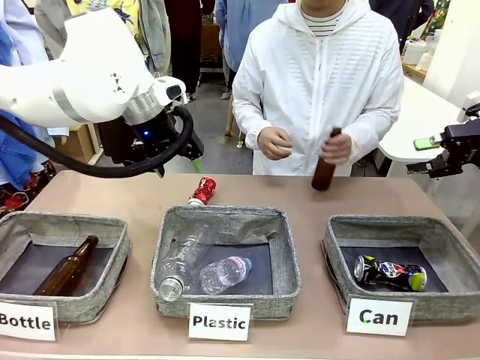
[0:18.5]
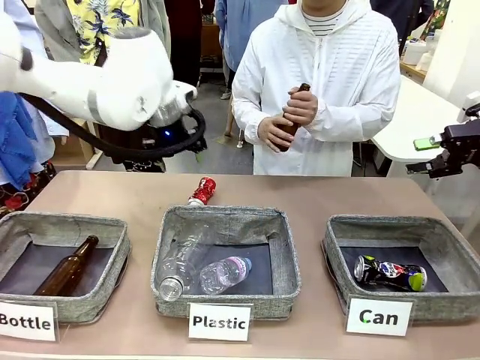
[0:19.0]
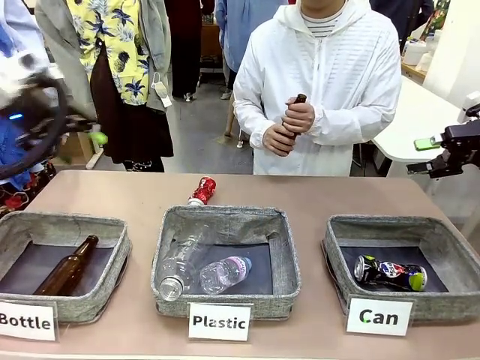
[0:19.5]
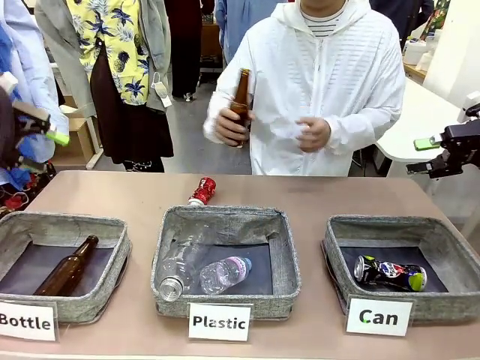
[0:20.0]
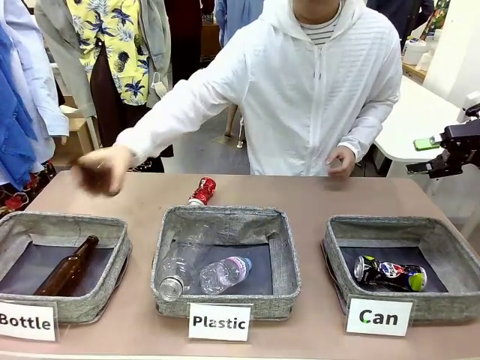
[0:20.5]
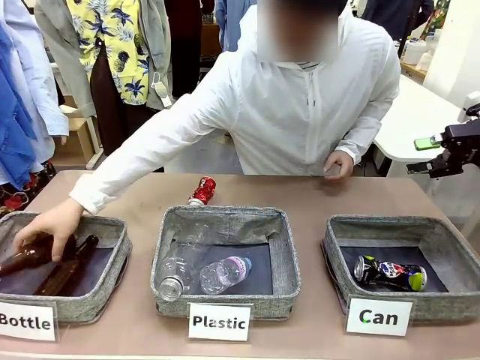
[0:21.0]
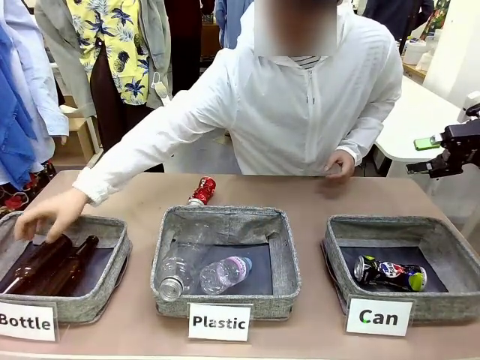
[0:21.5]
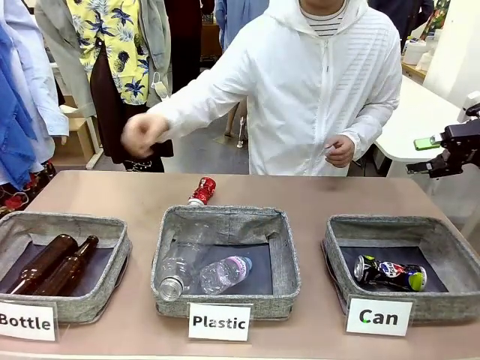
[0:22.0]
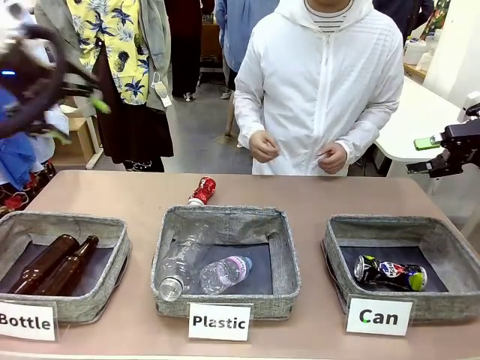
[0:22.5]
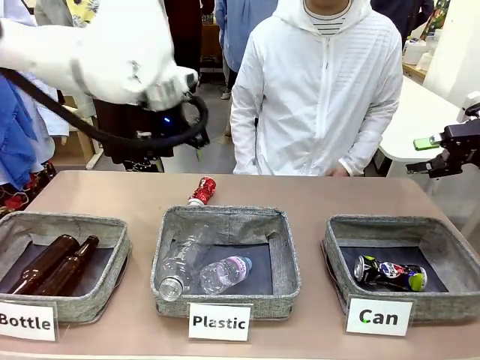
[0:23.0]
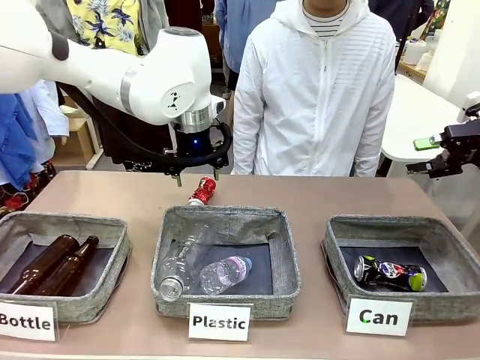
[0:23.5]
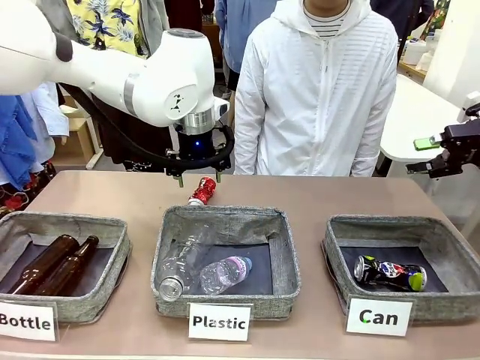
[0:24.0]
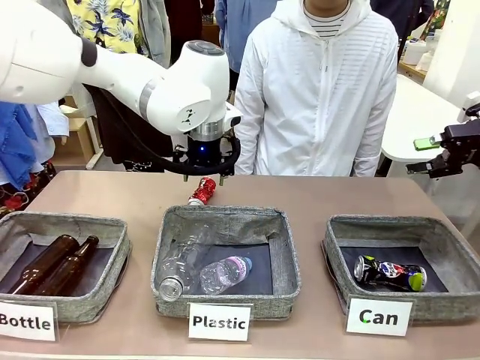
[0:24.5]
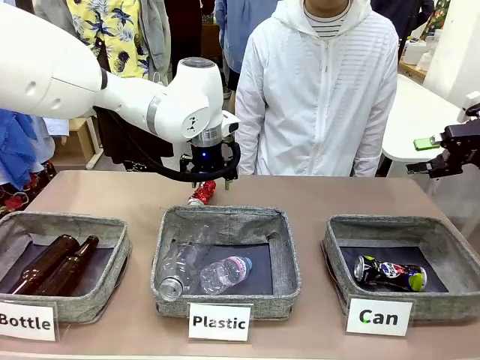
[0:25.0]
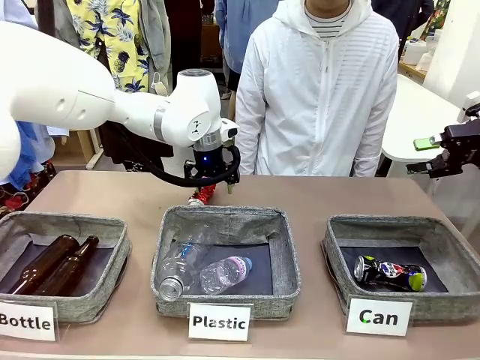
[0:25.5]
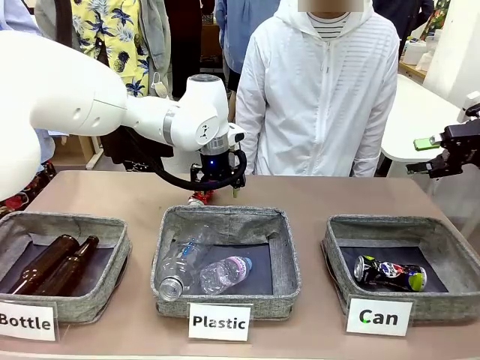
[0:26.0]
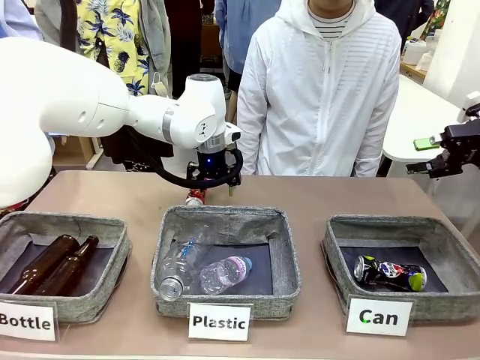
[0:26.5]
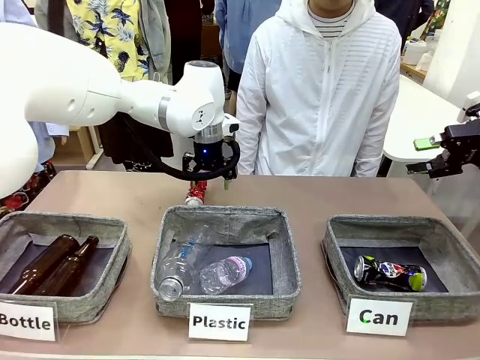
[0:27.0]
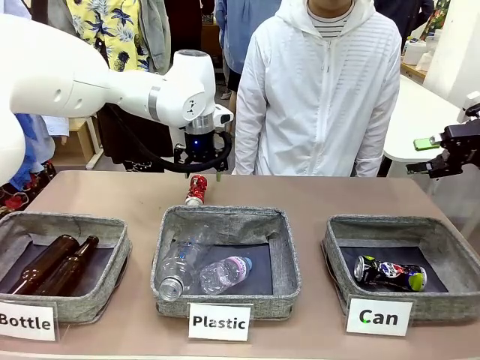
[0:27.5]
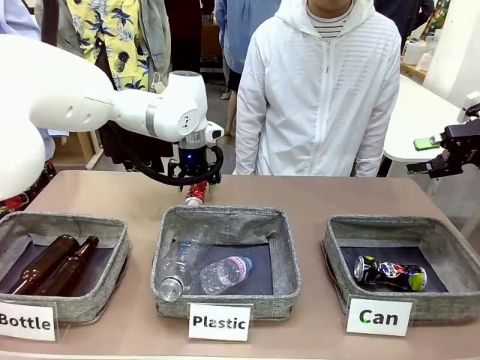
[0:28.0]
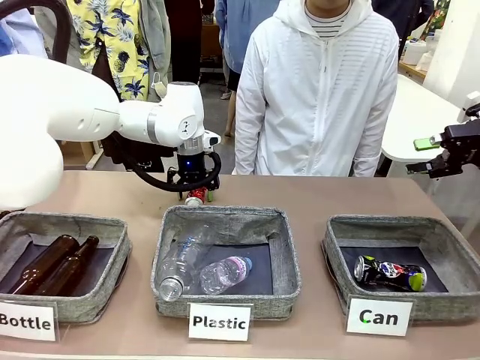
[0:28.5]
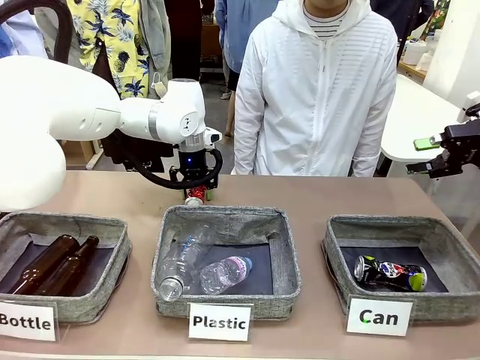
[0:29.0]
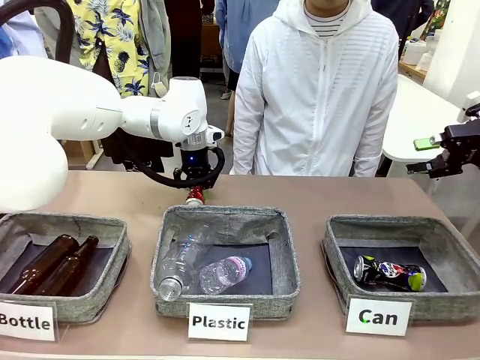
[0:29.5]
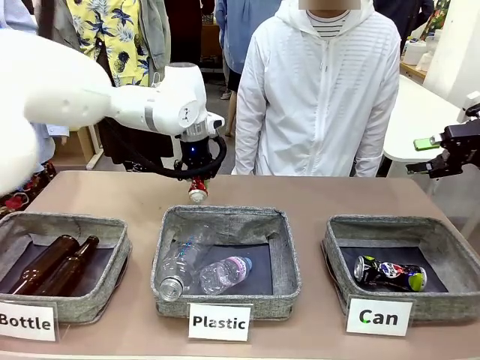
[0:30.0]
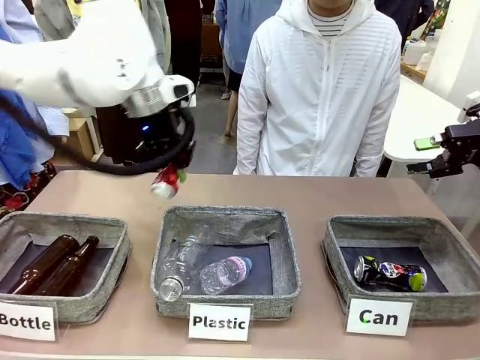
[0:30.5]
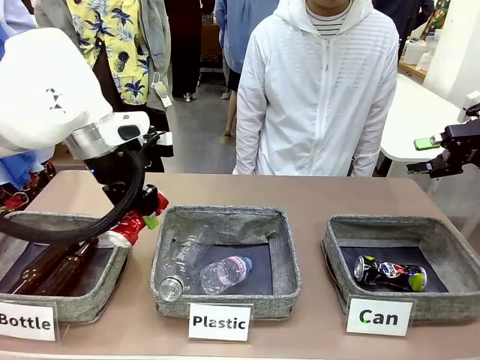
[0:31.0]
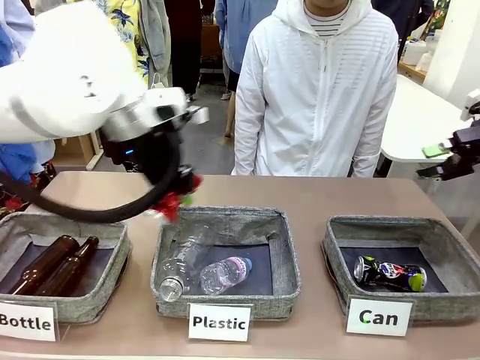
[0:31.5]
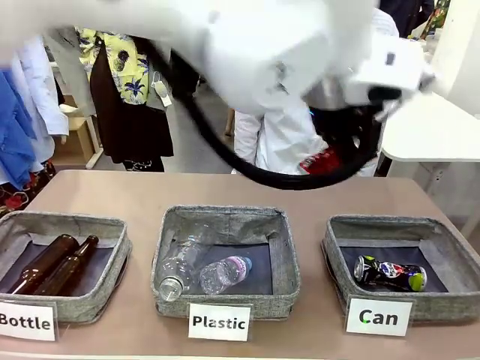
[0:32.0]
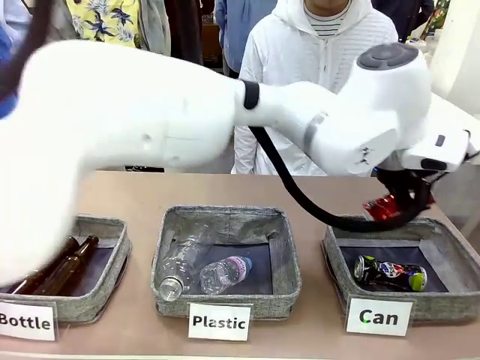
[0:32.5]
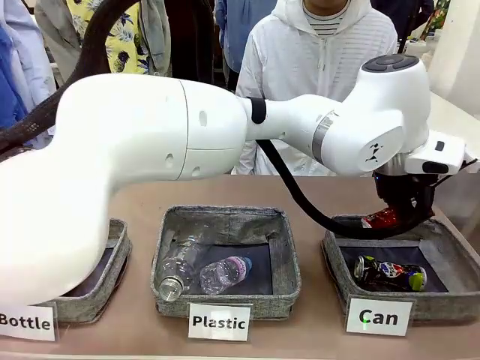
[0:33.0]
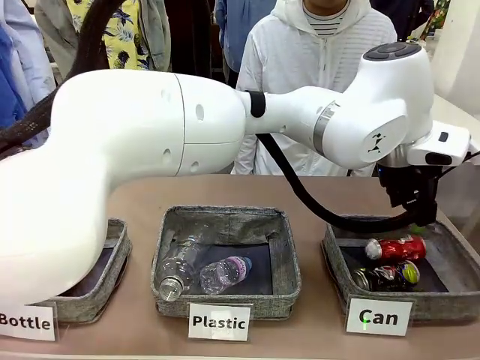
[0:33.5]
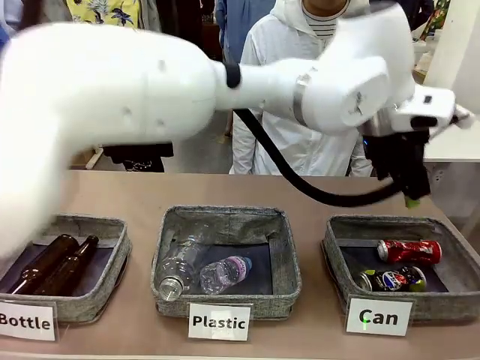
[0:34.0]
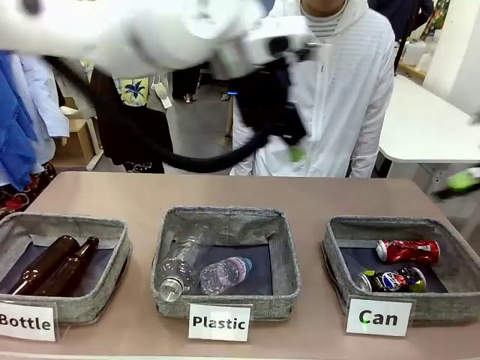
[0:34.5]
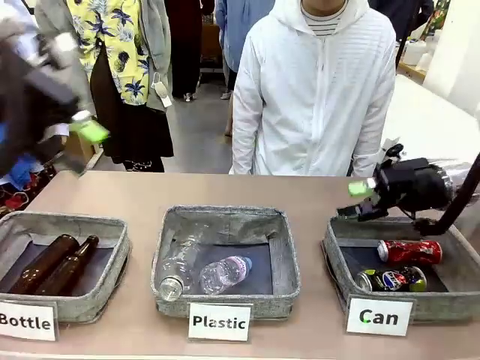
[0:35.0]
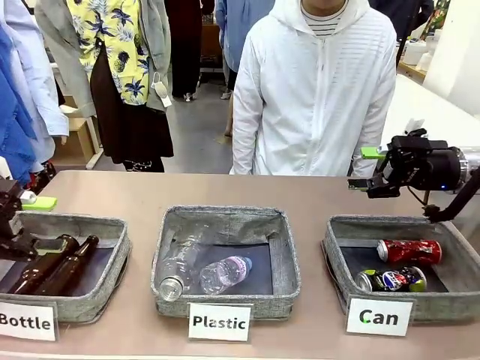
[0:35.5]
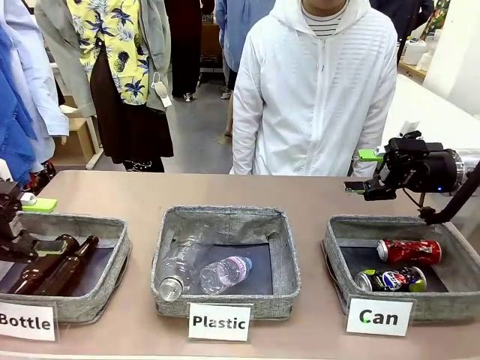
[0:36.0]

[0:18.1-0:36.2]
Task: Sort the can waste into the basket.
Robot: Pick up the can waste from the table and place it in the right Fabric basket.

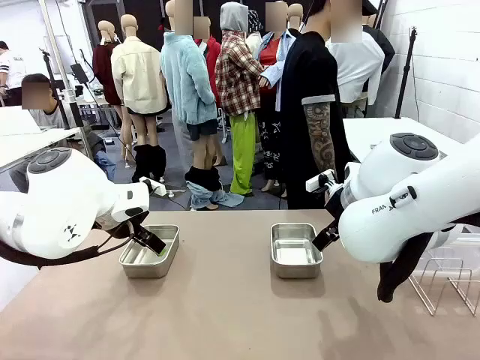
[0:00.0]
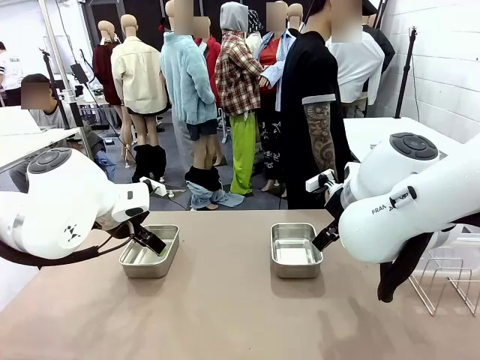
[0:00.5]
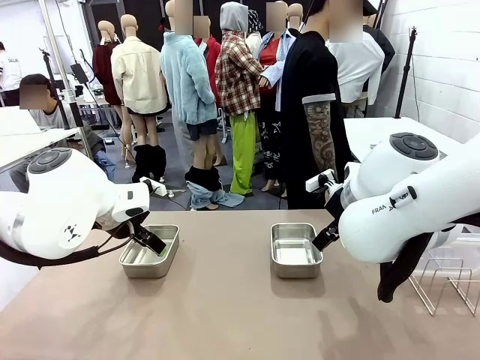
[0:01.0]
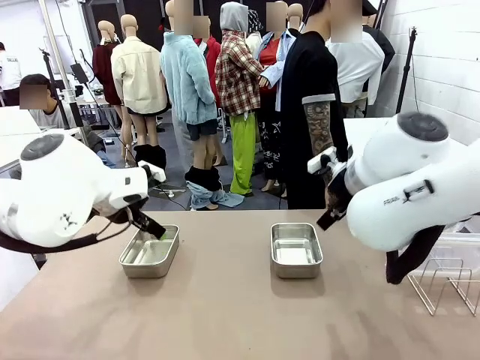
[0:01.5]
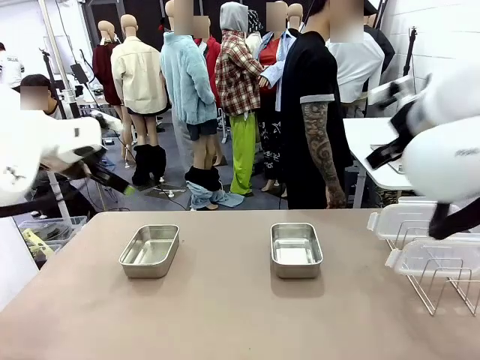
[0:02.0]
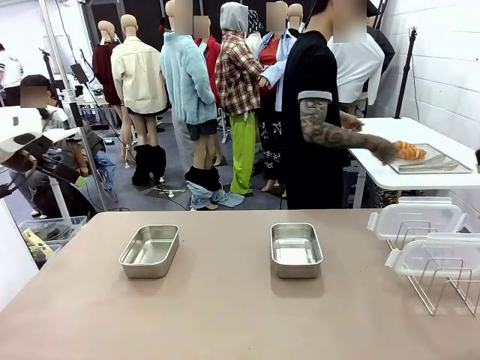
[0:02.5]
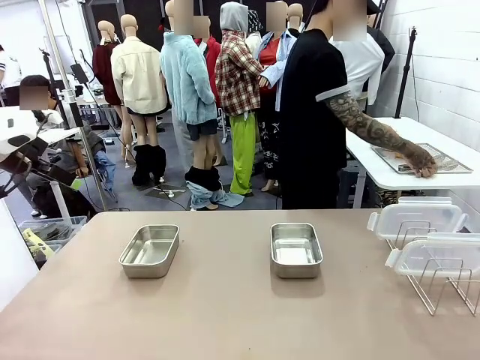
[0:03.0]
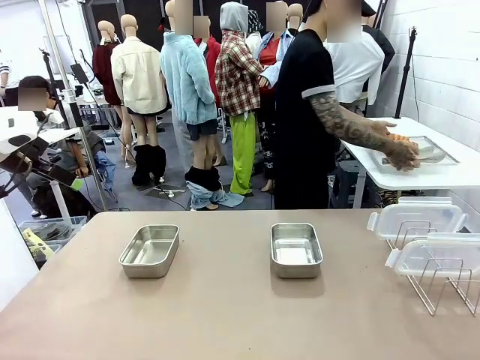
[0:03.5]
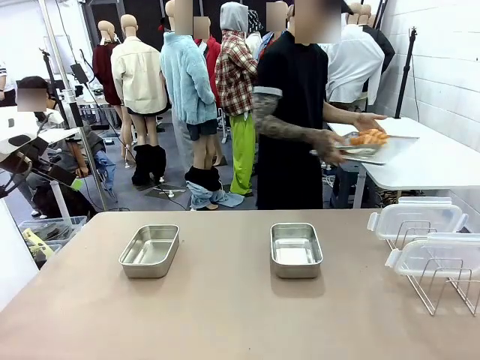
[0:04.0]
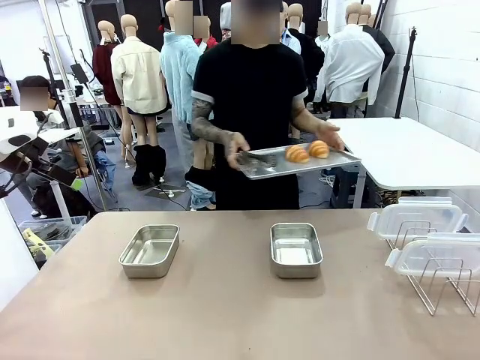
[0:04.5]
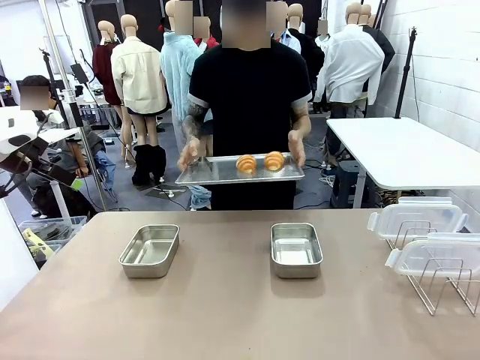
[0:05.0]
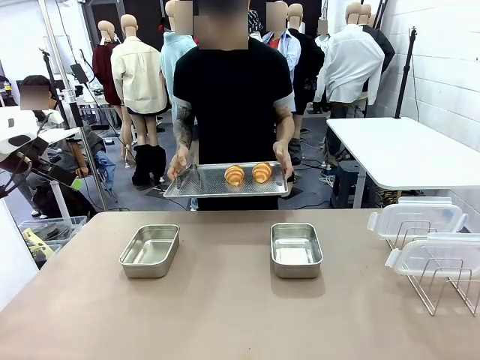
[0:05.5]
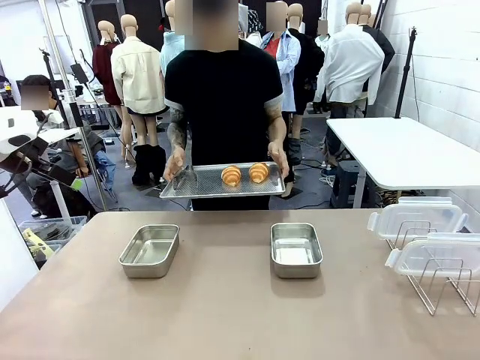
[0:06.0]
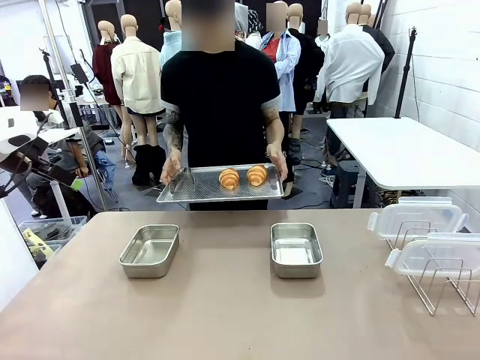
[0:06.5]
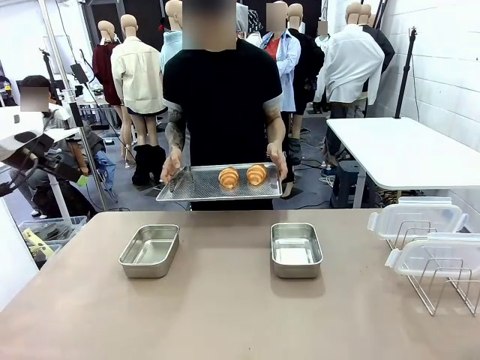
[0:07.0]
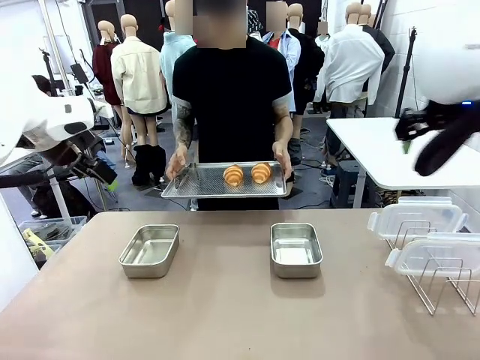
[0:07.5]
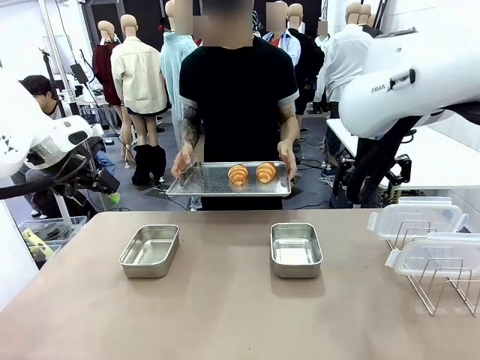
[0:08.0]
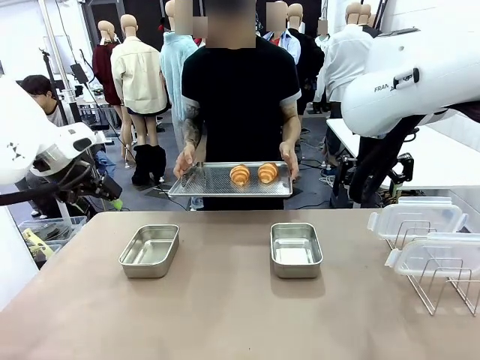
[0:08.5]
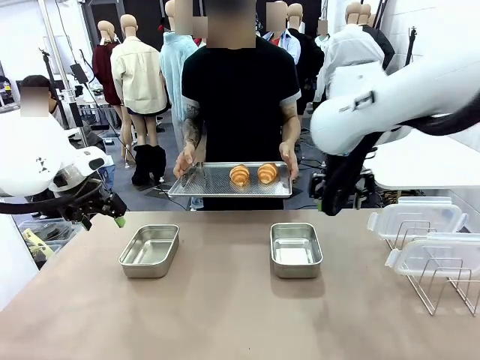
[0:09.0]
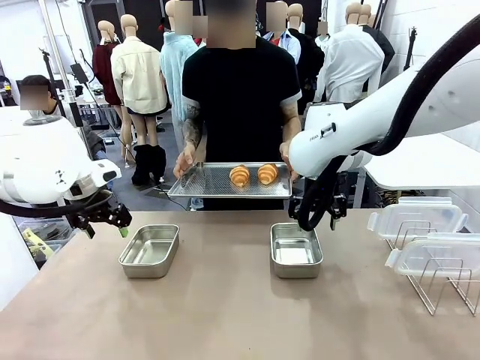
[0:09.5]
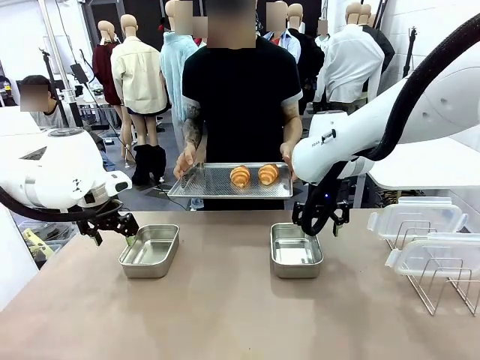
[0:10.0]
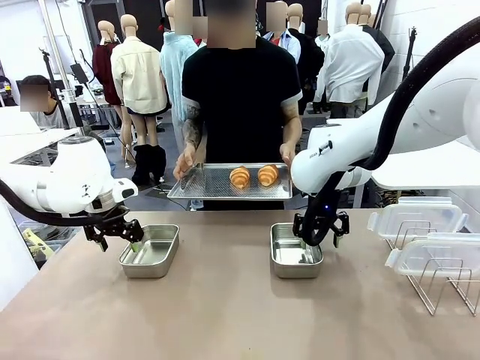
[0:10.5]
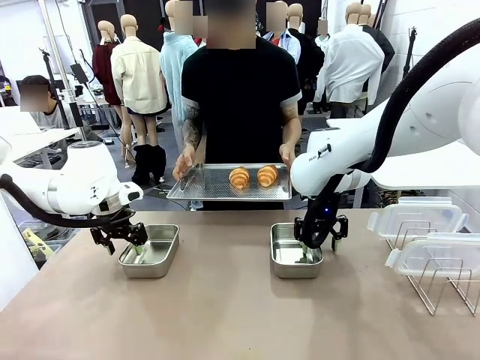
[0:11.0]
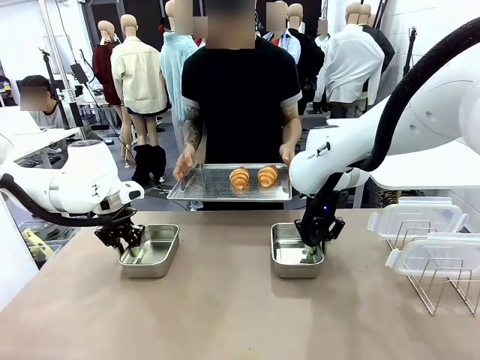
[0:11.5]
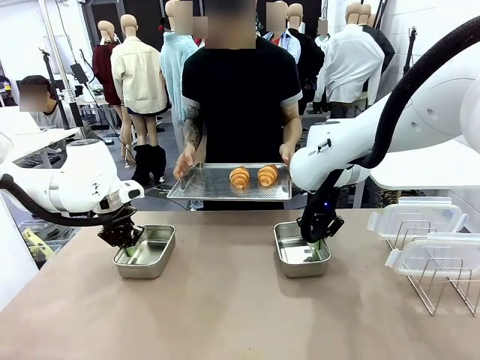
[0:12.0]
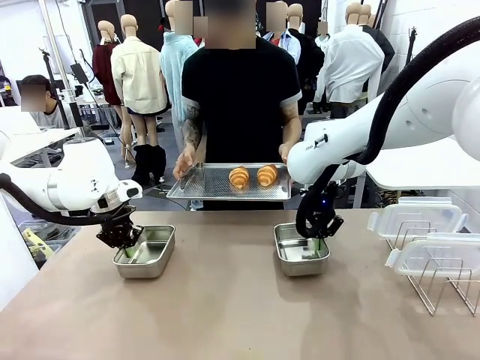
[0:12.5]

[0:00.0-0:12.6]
Task: Place the bread in airtight containers.
Robot: Lift both Airtight Container.
Person: Bring the Baking Sheet in front of Robot's Table.
